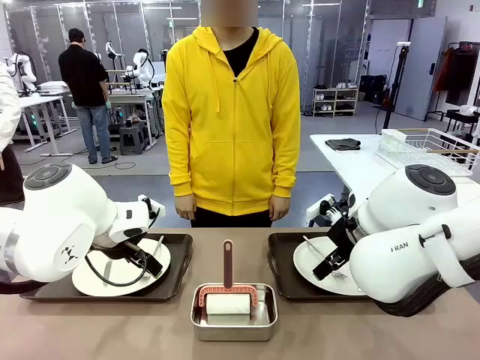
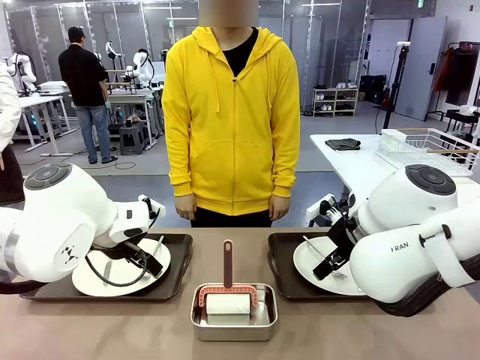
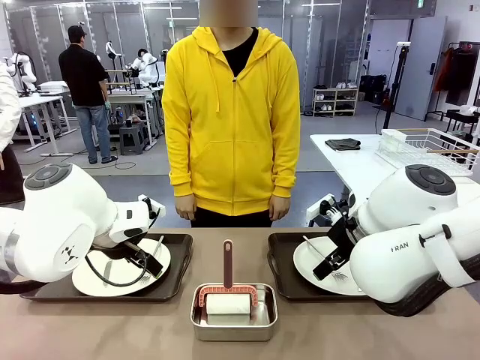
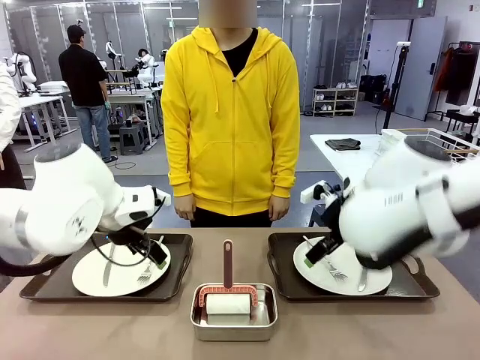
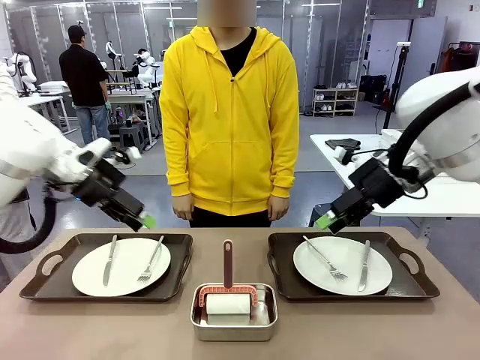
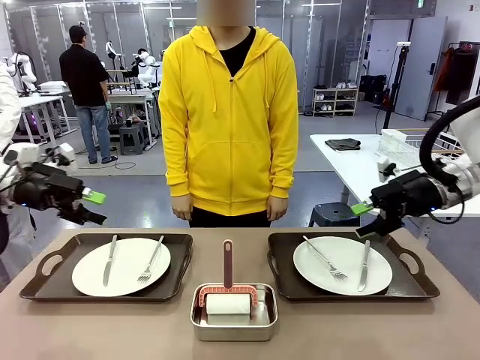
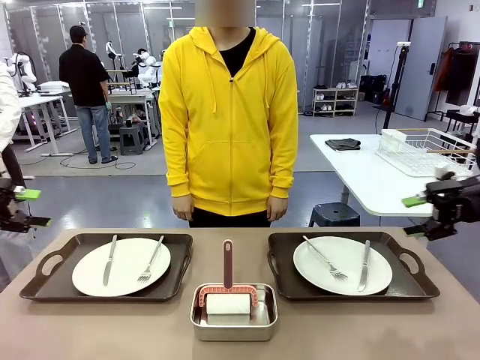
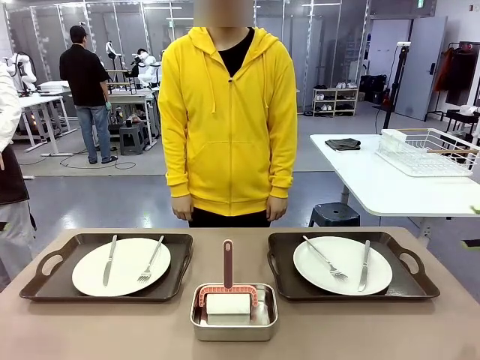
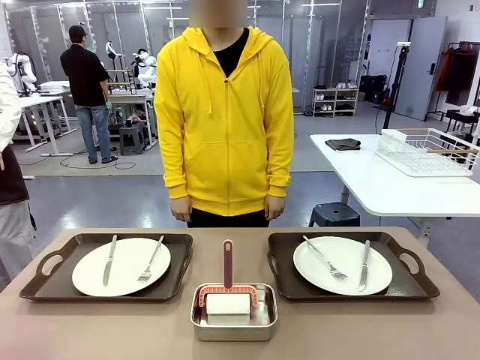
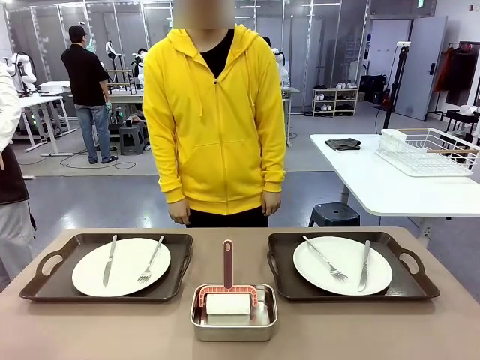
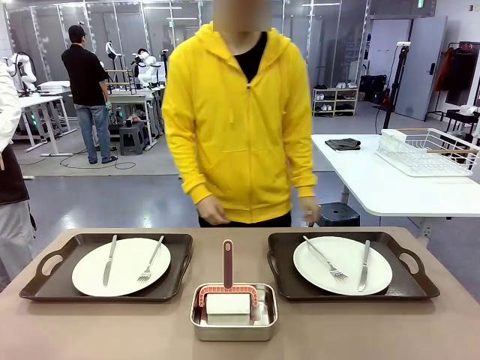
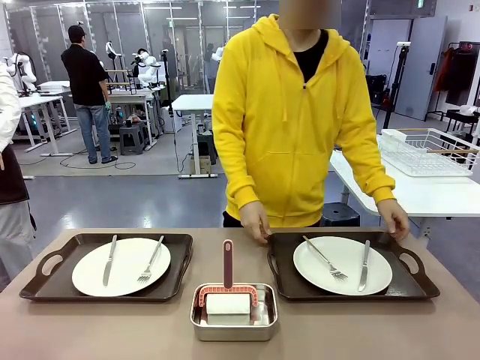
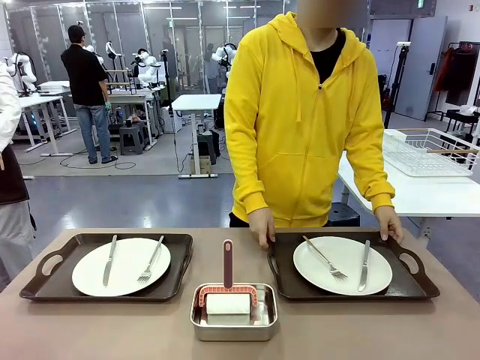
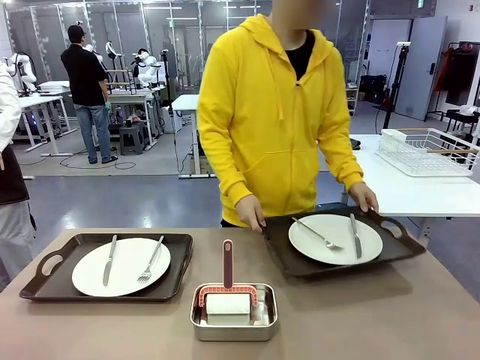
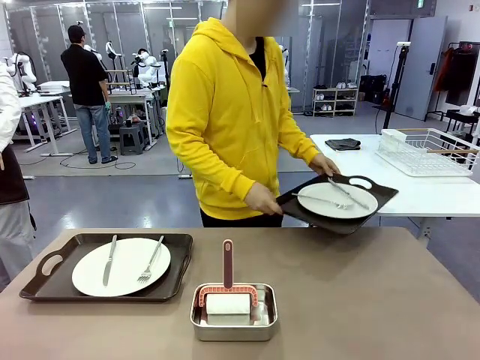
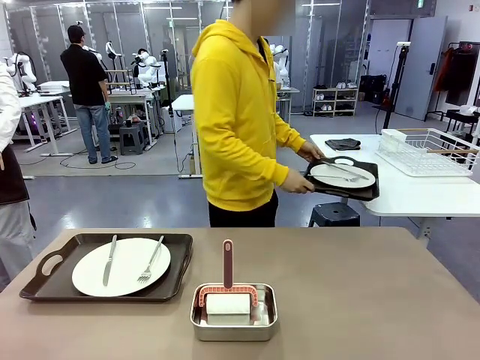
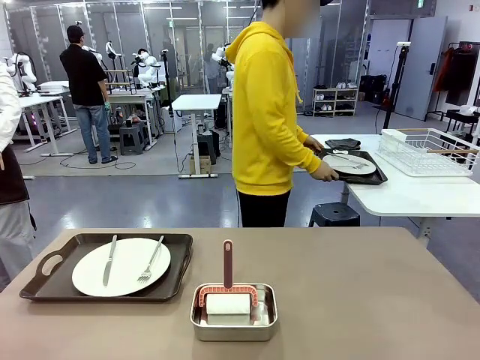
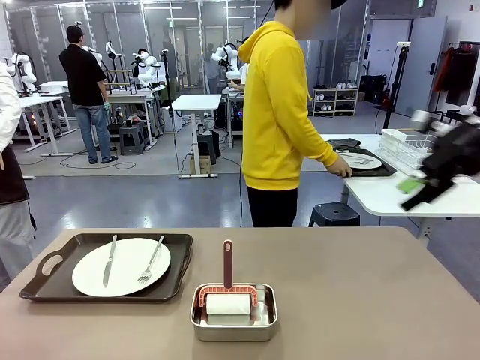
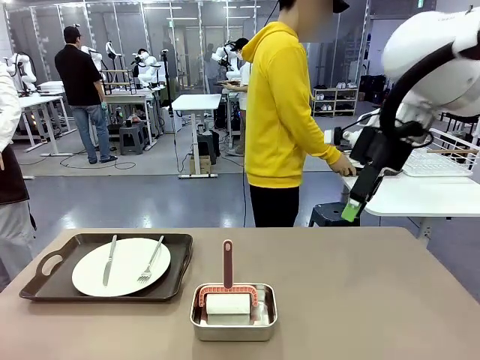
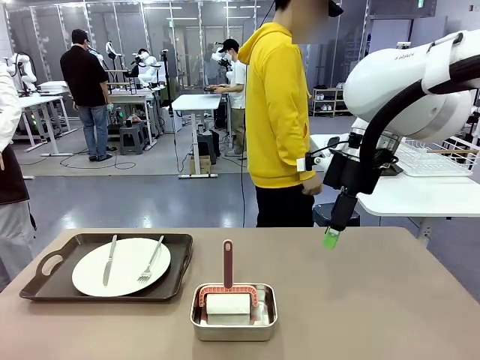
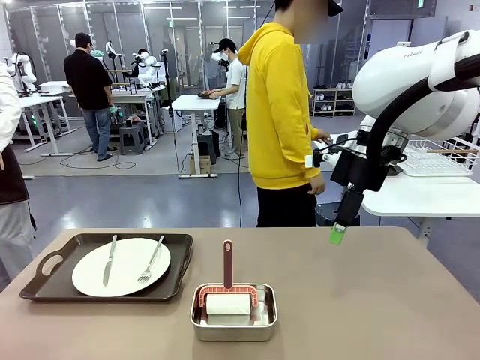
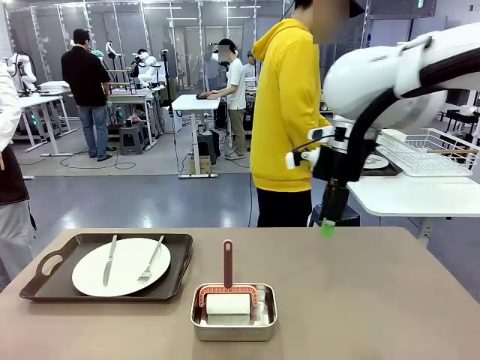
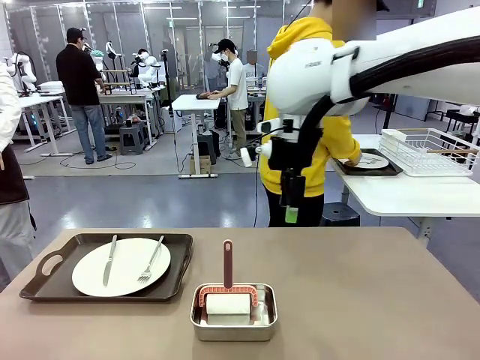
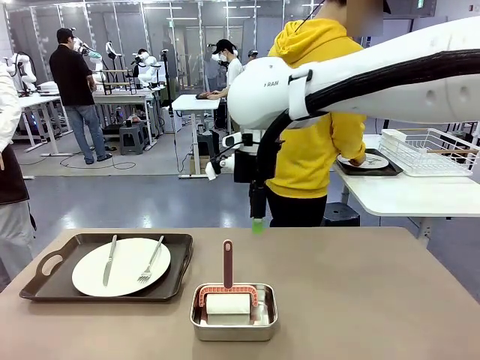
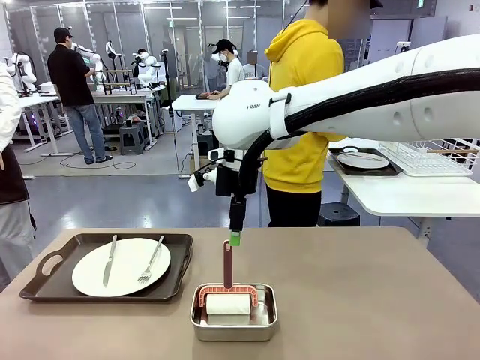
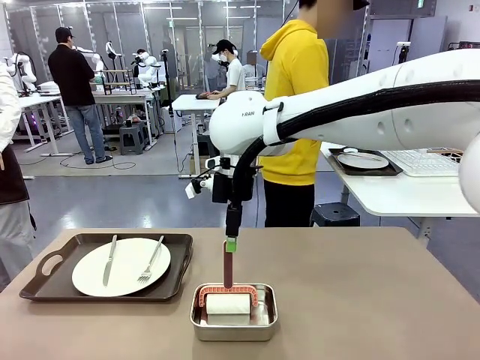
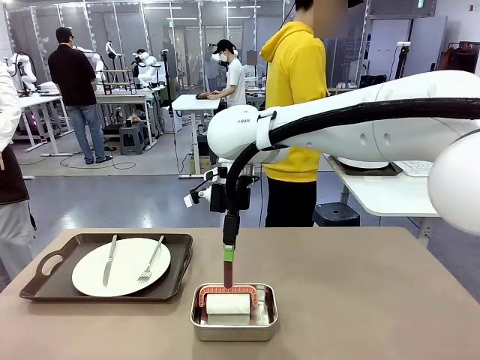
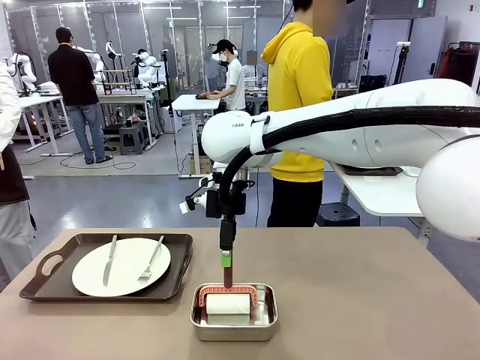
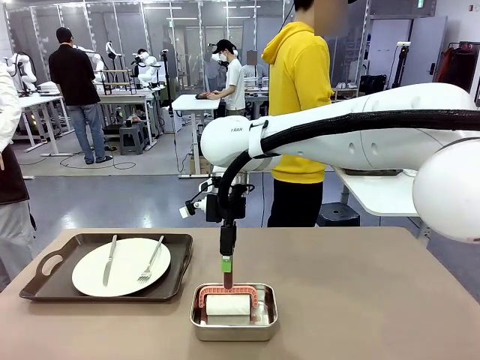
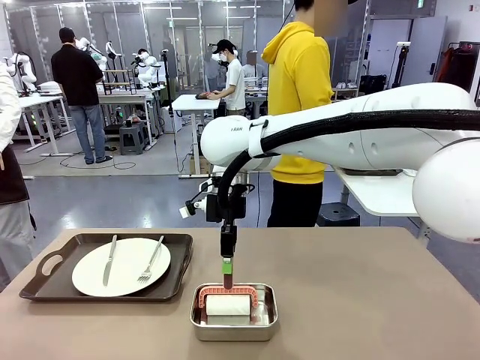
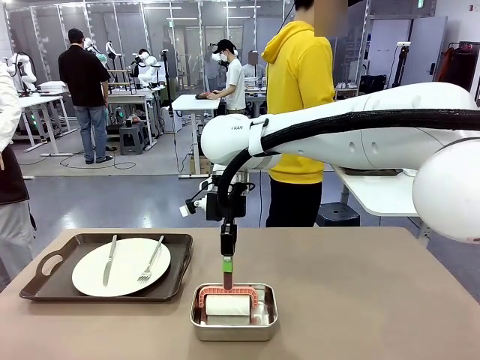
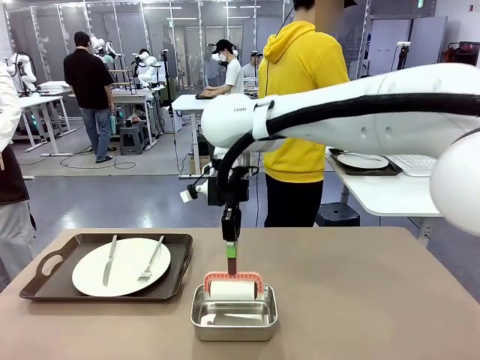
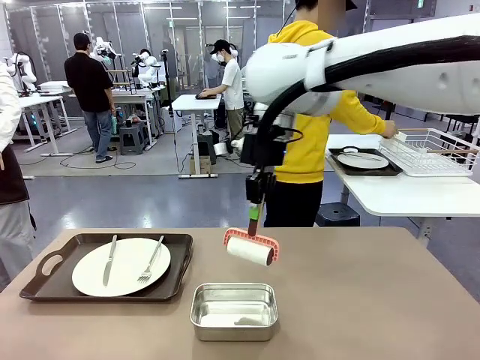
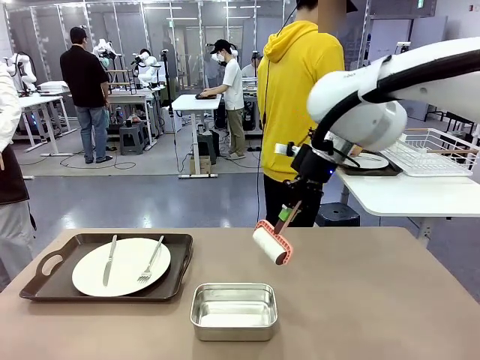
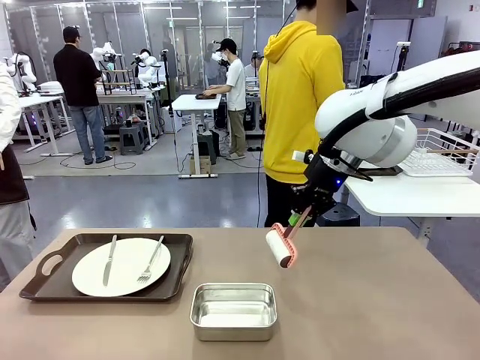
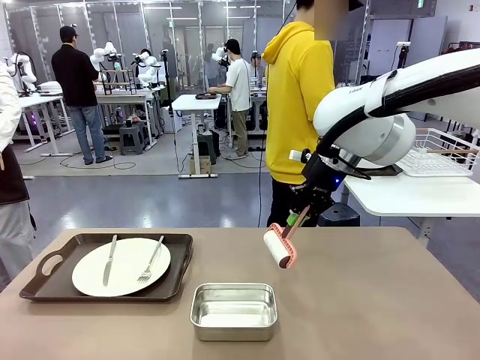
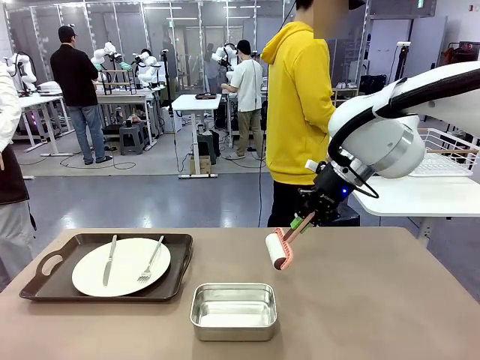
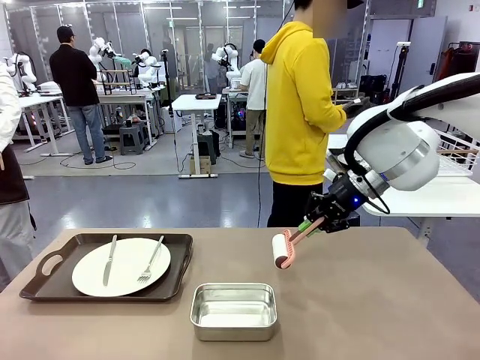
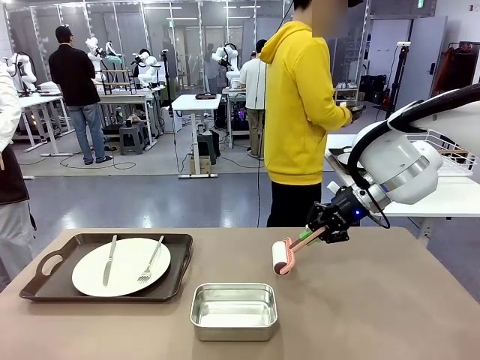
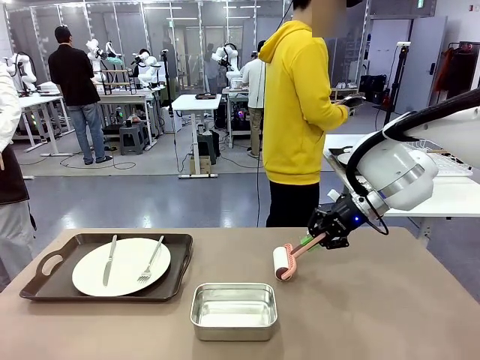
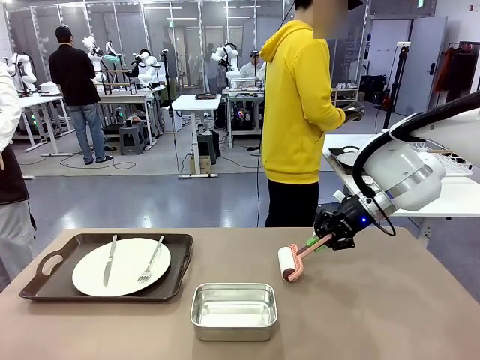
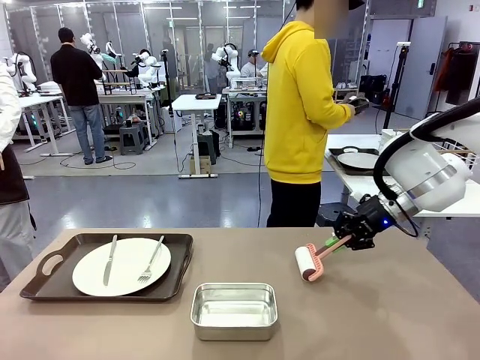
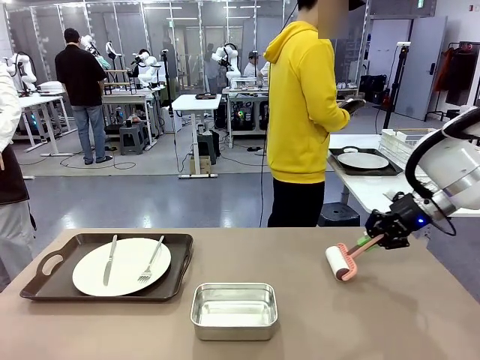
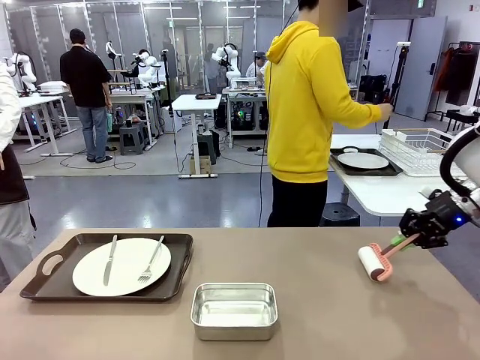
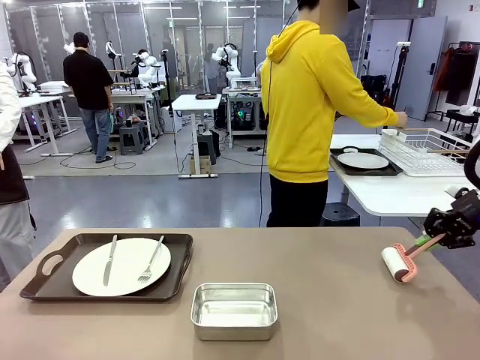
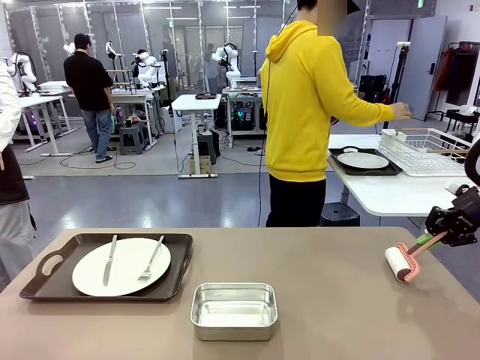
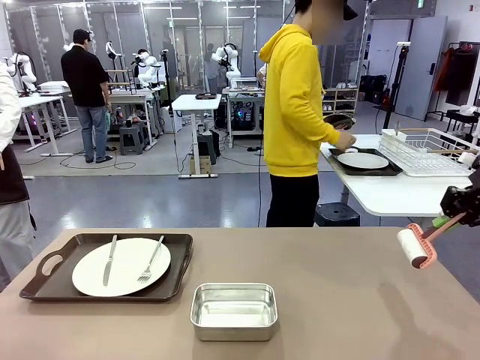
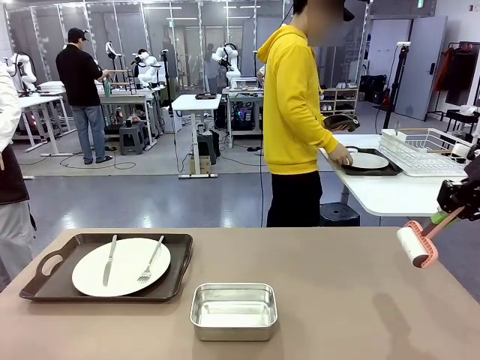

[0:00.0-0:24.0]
Robot: When the left (or right) Handle tray is removed, use the left hand (or right hand) to clean the left (or right) side of the table with the Lint Roller.
Person: Pick up the left (or right) Handle tray and place it on the middle of the Human's table. Use the Towel with hook to wipe the Plastic Matte Plate , Fork , and Knife and place into the Dish drying rack.
